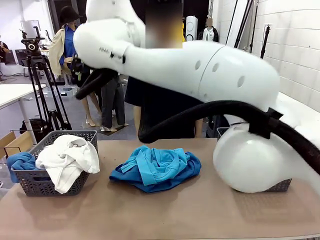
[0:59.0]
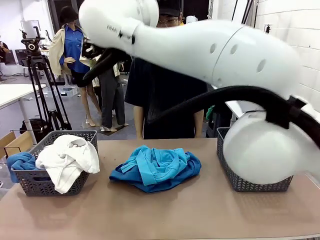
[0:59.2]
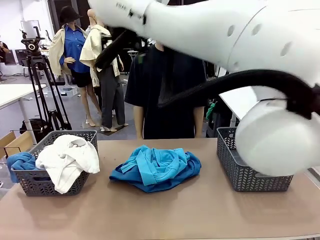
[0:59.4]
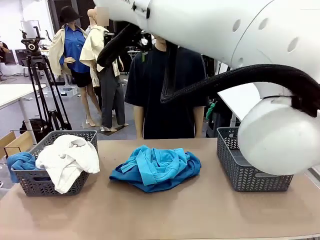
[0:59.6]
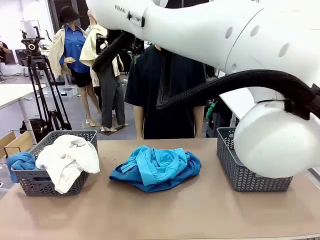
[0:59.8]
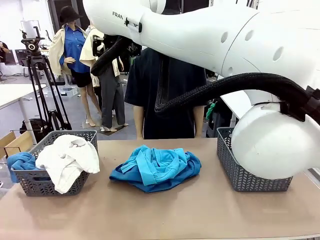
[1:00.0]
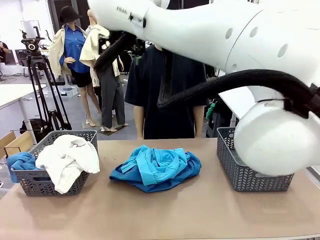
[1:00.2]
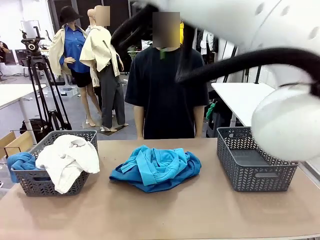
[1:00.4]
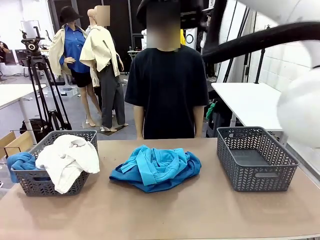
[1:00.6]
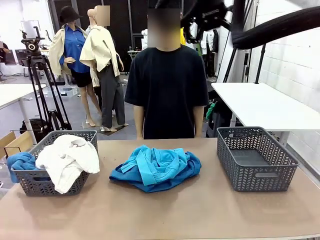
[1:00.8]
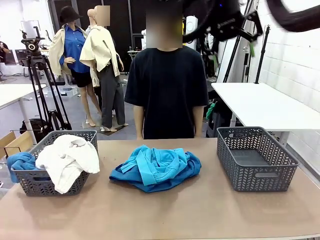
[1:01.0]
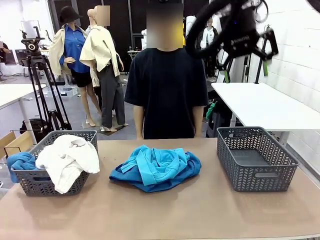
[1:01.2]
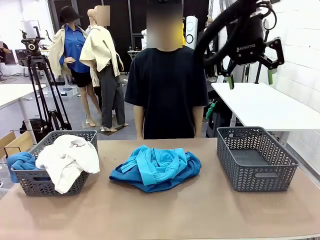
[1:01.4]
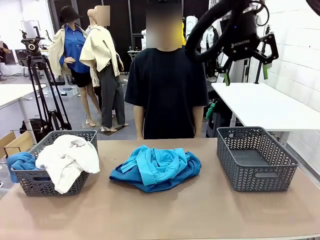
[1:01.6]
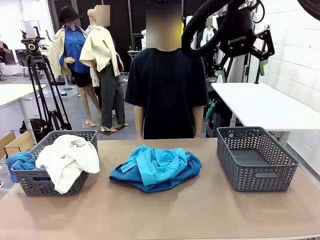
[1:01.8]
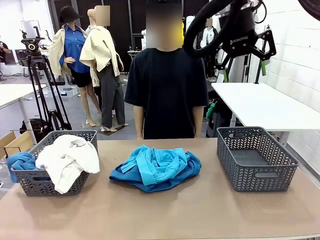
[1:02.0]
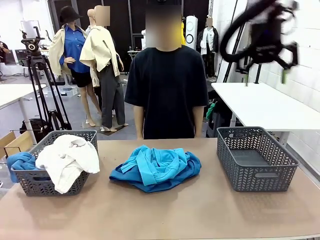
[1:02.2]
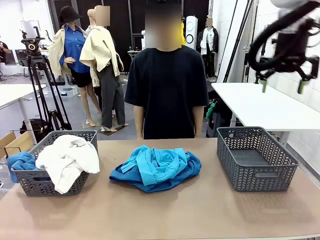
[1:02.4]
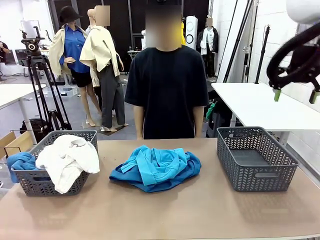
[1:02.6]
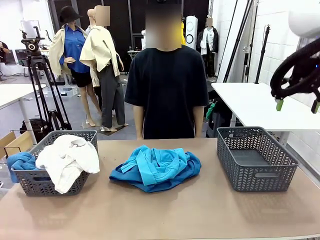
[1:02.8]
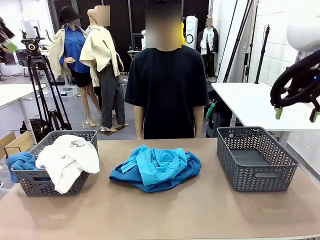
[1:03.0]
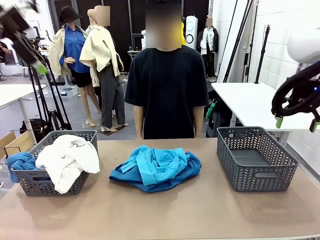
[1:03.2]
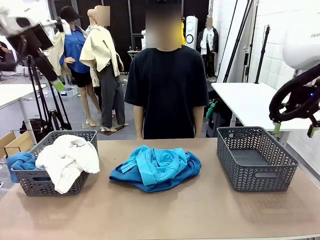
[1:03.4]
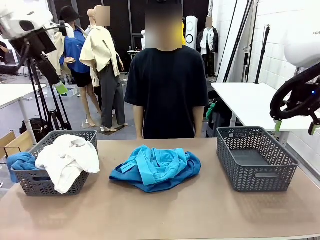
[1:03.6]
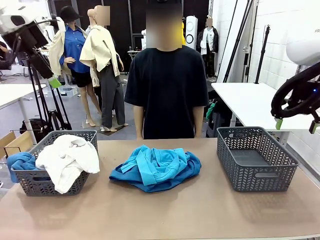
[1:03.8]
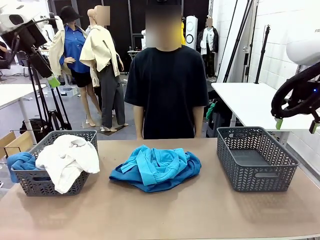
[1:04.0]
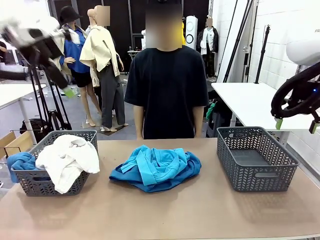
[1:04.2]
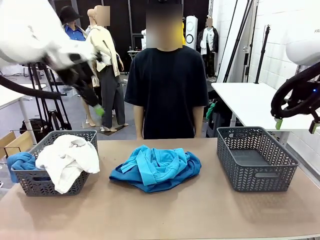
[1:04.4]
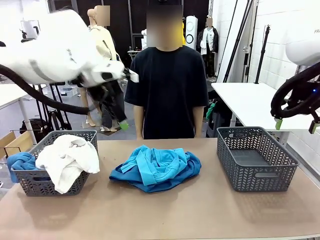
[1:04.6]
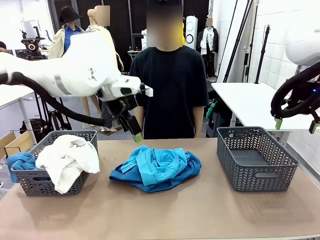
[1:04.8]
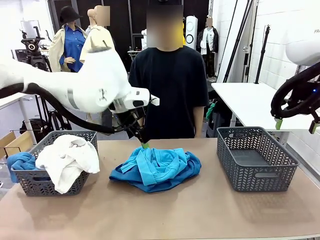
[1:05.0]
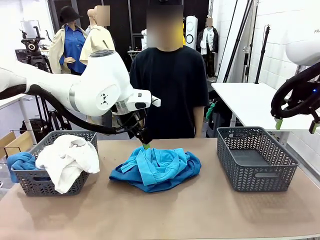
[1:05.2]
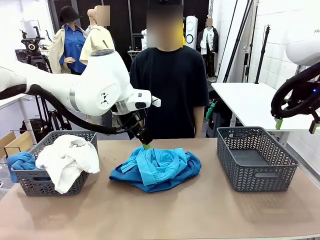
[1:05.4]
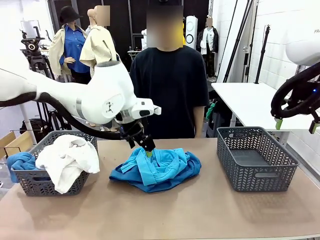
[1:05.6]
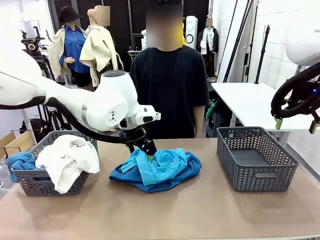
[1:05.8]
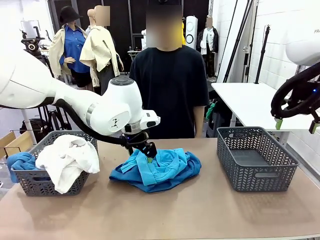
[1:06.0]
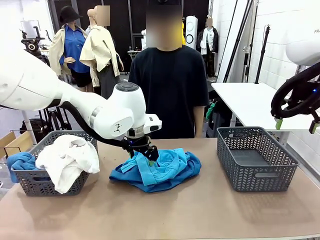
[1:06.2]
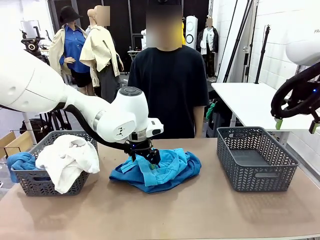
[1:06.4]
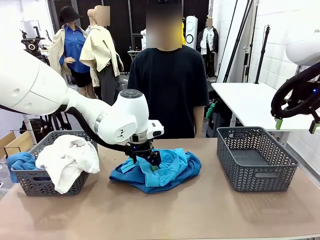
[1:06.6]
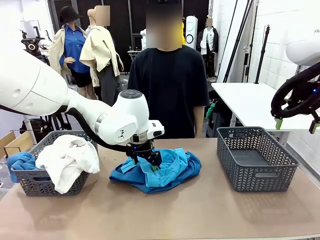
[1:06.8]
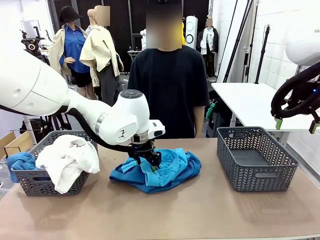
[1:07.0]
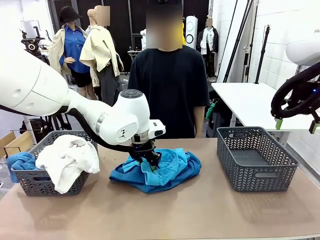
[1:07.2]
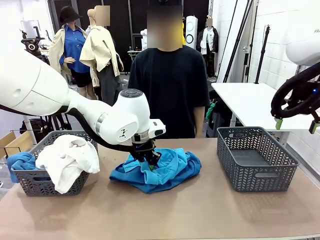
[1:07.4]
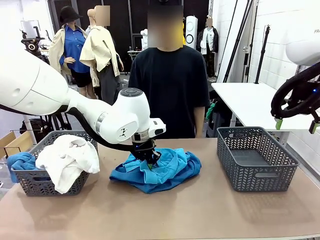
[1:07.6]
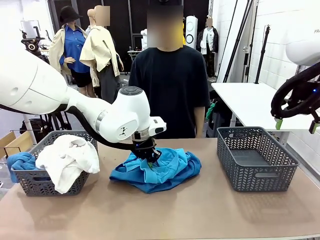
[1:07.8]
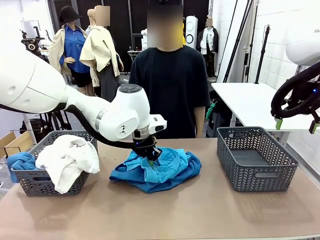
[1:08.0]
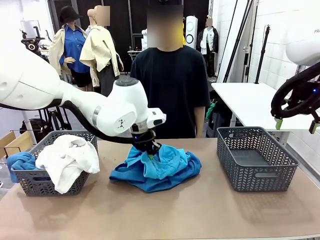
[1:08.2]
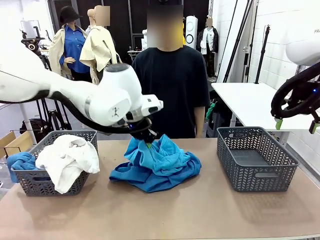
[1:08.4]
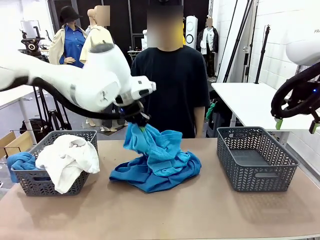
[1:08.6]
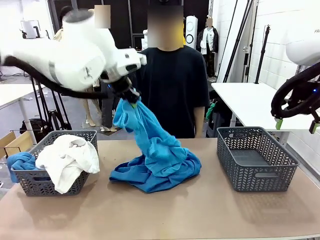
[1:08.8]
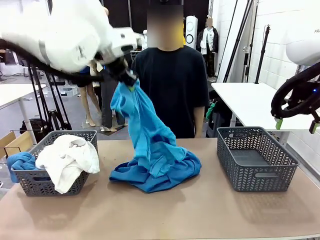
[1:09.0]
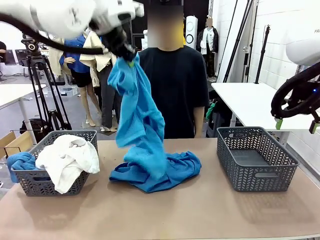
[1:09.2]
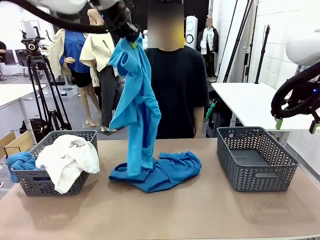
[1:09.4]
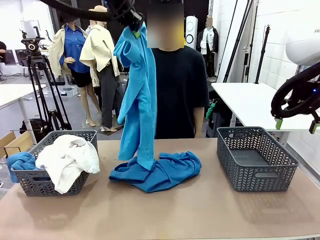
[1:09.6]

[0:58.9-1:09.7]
Task: Sort the tops and bottoms.
Robot: Lift clothes from the center of the table with your left hand.

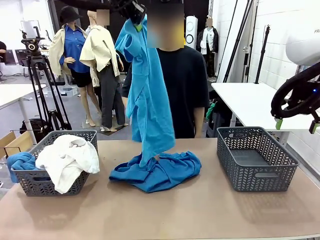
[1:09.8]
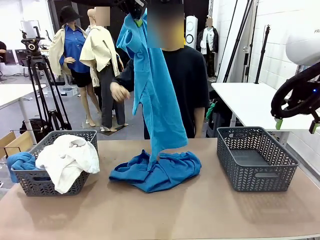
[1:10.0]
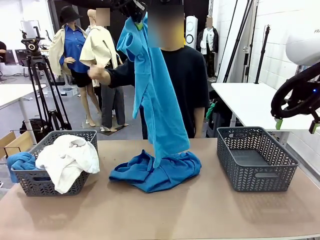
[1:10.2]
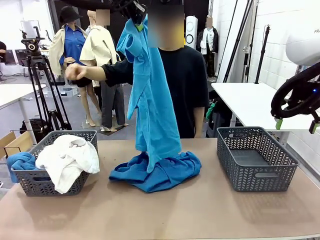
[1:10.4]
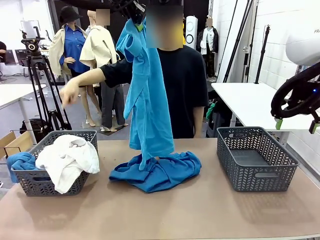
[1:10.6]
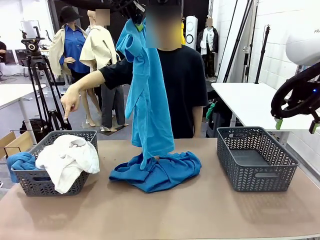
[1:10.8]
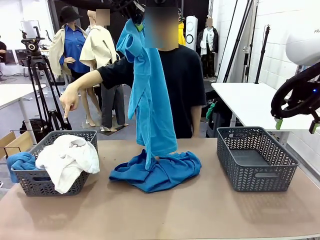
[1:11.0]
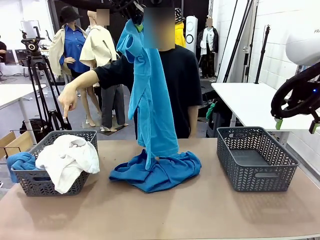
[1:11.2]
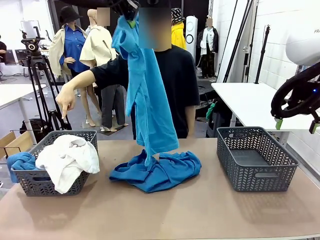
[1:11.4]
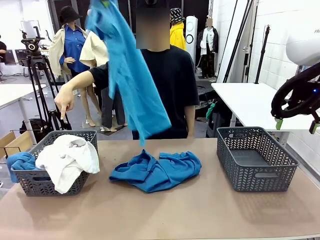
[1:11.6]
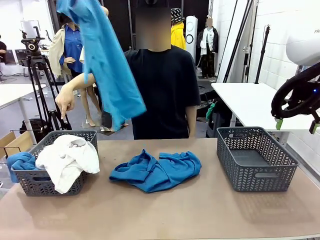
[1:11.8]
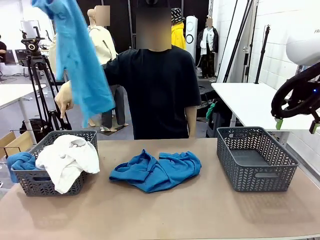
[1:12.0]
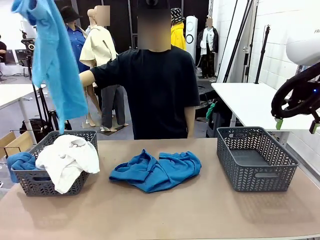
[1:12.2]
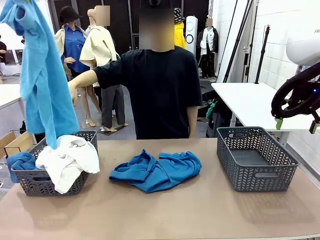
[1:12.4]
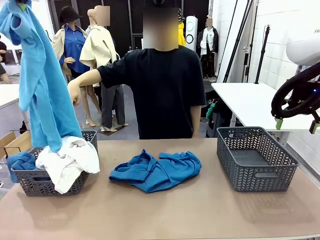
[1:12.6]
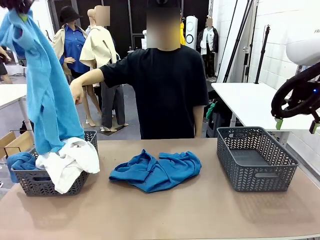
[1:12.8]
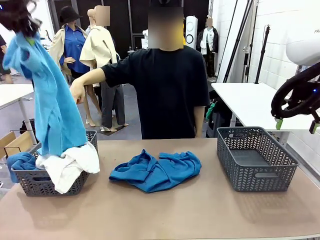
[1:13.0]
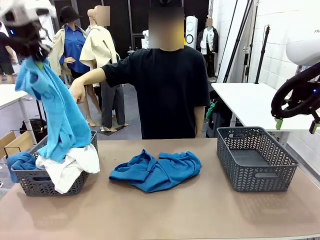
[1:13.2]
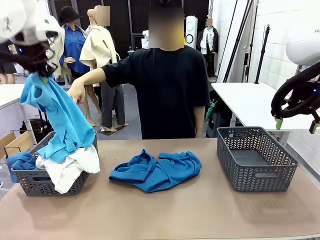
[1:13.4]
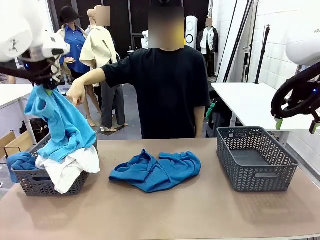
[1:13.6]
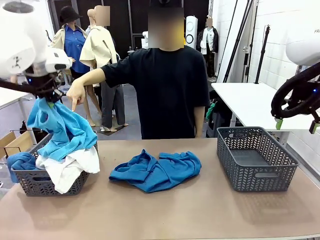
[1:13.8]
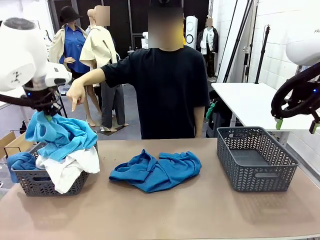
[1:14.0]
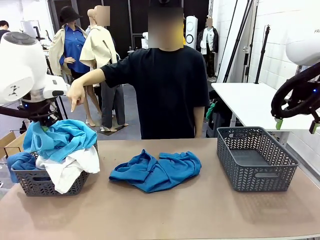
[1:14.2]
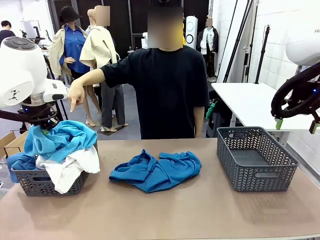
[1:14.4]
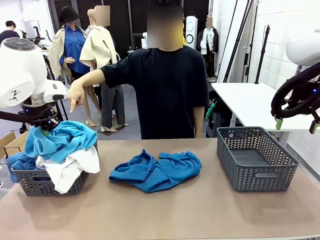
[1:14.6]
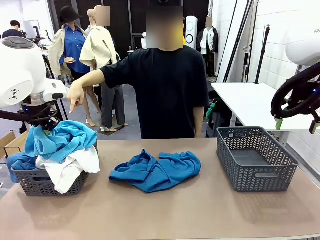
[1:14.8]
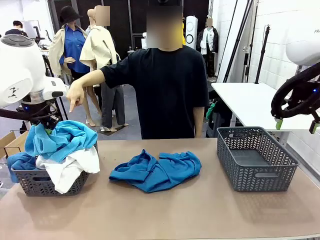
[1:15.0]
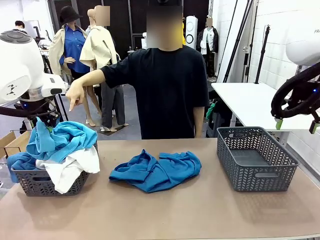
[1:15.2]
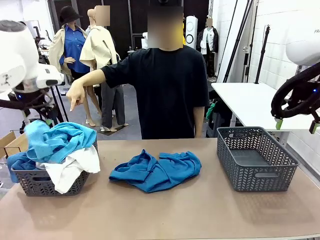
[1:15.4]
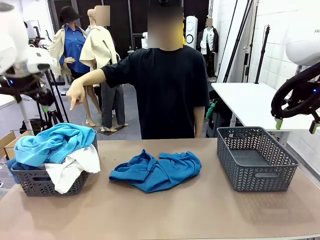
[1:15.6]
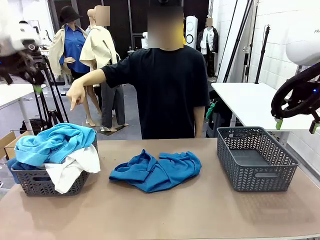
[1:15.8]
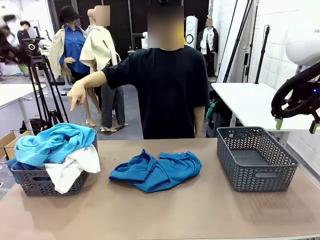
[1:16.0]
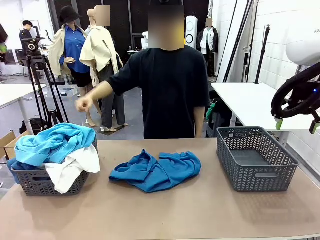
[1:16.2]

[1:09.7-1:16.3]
Robot: Sort the clothes according to human instructions.

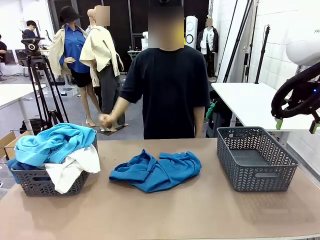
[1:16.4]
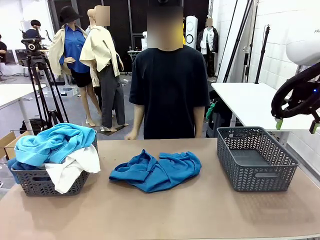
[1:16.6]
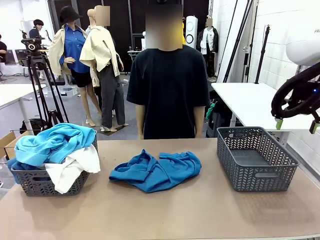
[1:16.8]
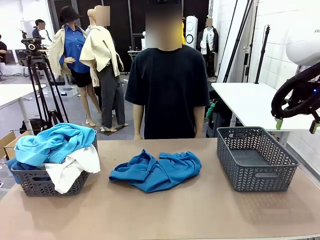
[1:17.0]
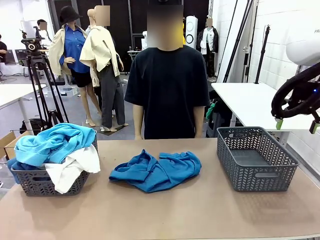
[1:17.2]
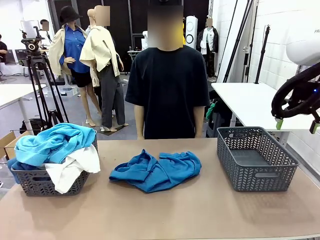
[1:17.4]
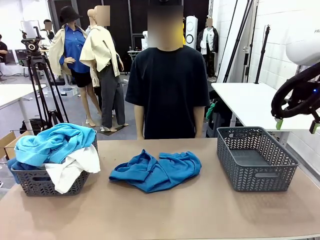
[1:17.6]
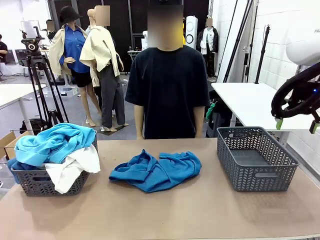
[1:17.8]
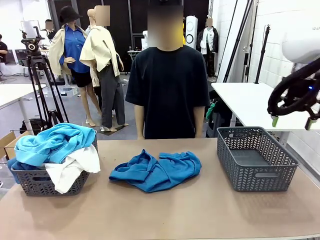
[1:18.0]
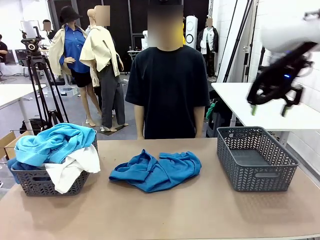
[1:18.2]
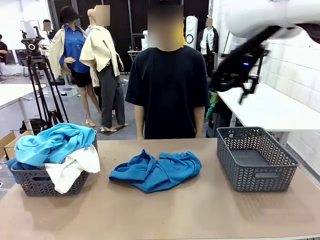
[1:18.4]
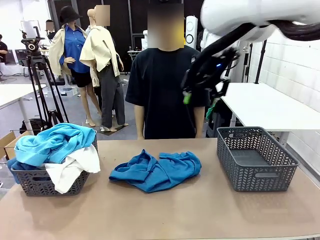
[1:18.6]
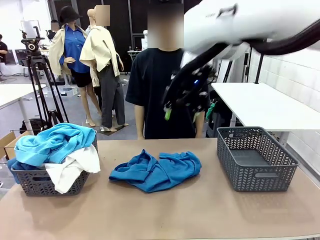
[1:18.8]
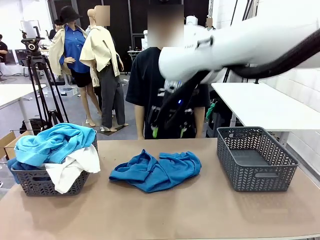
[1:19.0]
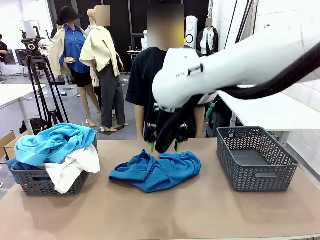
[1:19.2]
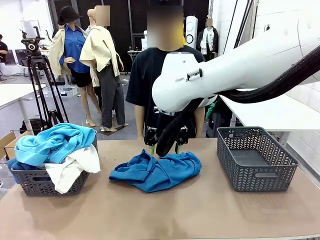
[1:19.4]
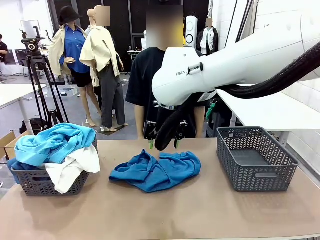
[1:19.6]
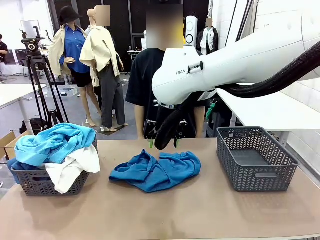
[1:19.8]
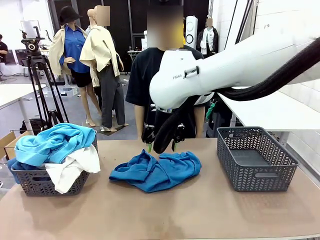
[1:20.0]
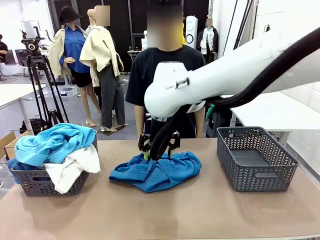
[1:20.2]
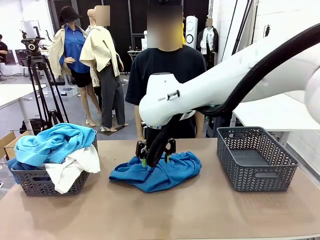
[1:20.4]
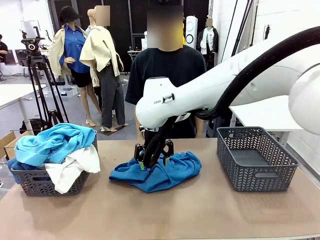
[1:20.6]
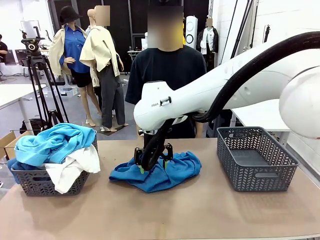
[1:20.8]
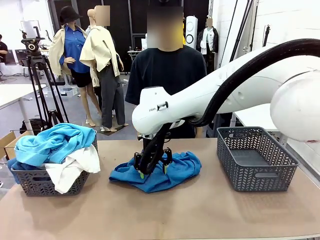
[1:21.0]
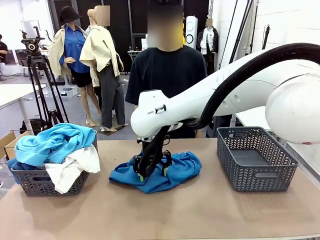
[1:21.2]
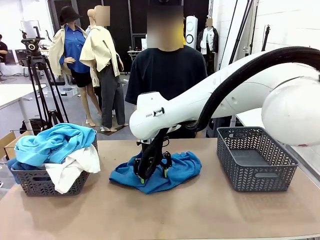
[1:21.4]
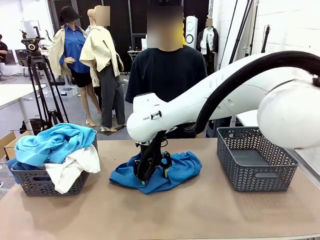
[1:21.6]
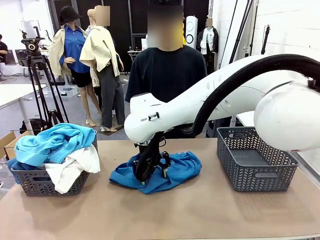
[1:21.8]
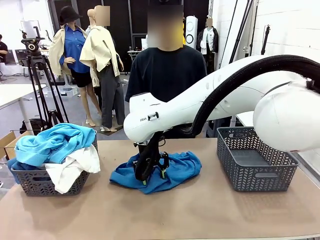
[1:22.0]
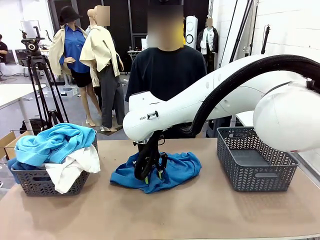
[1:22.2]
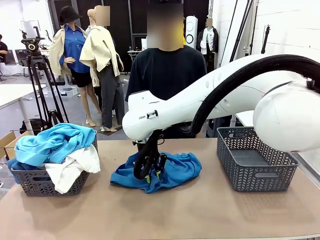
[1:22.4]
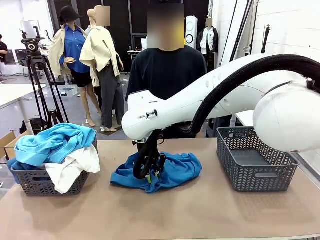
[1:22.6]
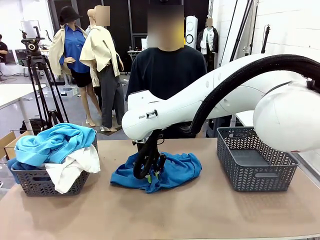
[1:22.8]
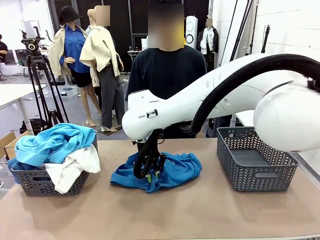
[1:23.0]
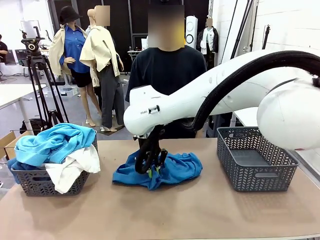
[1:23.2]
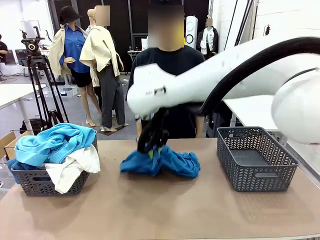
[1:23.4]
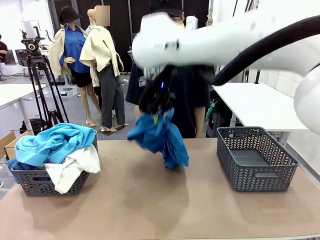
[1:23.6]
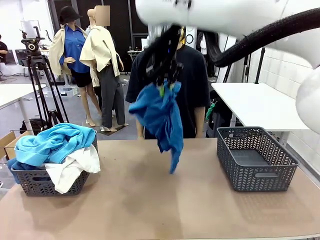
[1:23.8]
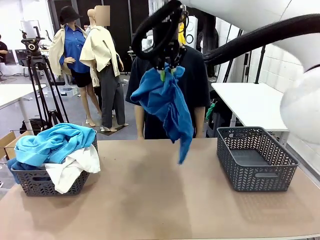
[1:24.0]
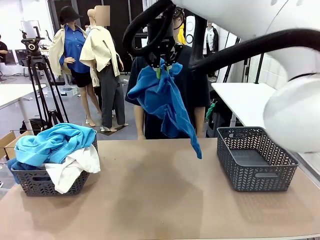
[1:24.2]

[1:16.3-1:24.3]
Robot: Lift clothes from the center of the table with your right hand.
